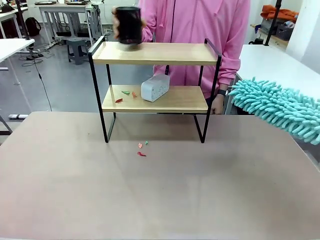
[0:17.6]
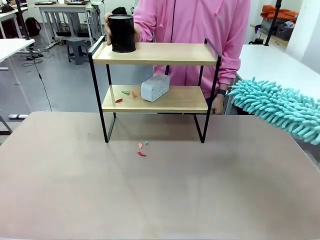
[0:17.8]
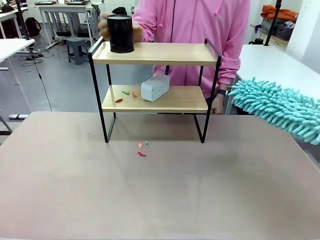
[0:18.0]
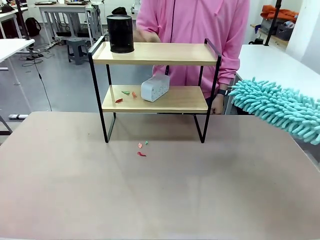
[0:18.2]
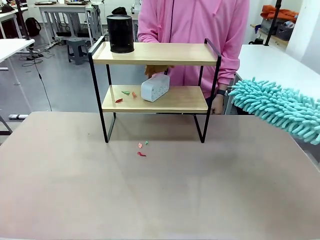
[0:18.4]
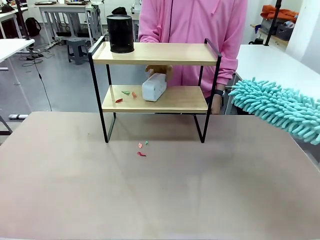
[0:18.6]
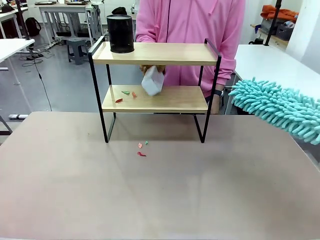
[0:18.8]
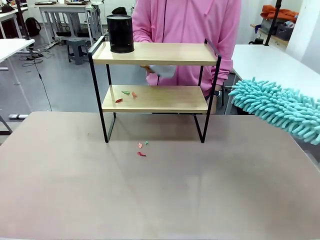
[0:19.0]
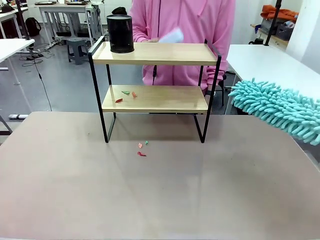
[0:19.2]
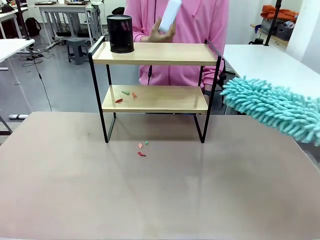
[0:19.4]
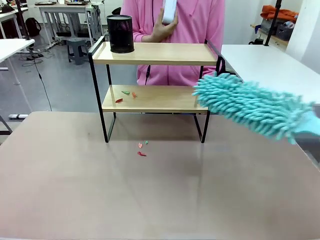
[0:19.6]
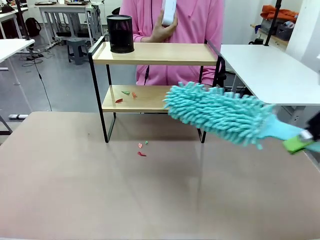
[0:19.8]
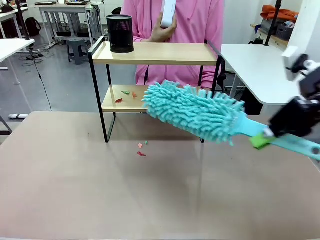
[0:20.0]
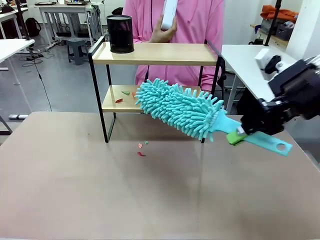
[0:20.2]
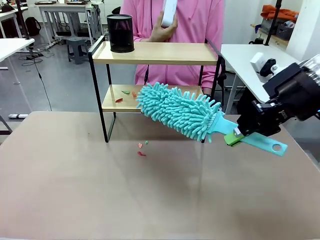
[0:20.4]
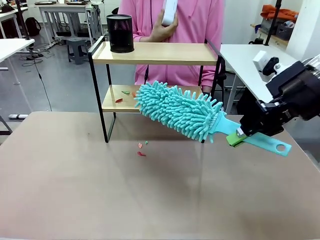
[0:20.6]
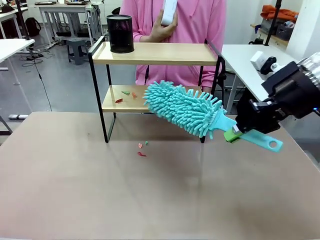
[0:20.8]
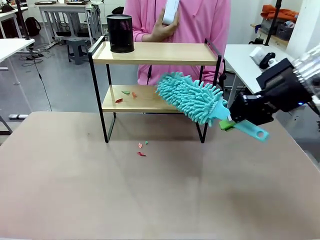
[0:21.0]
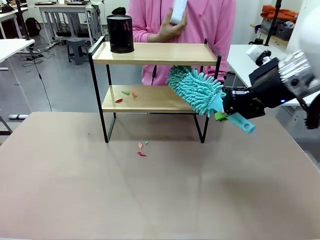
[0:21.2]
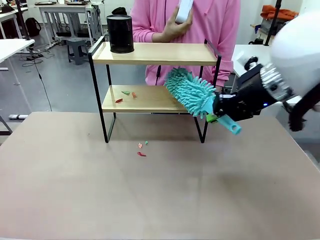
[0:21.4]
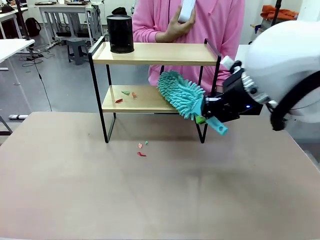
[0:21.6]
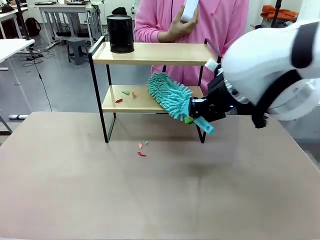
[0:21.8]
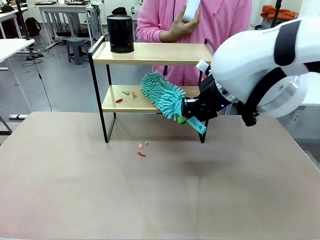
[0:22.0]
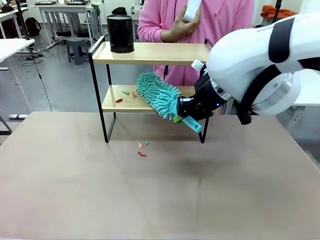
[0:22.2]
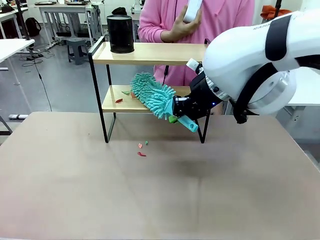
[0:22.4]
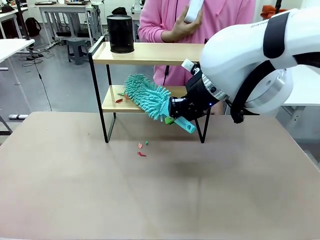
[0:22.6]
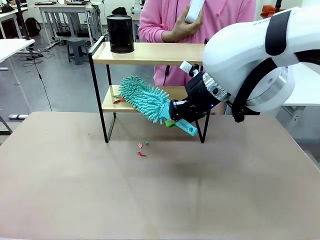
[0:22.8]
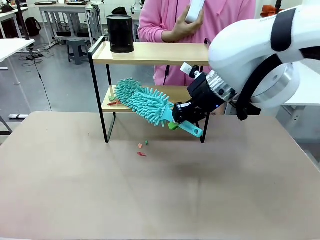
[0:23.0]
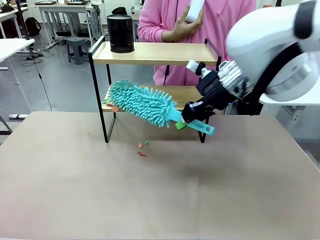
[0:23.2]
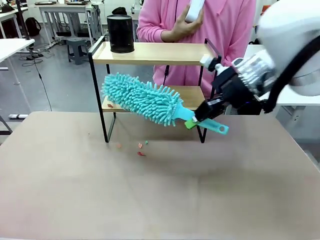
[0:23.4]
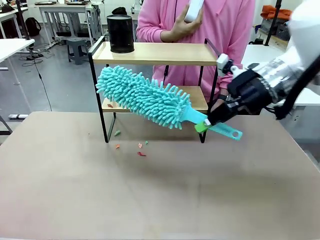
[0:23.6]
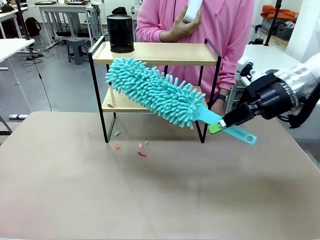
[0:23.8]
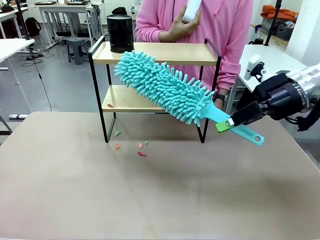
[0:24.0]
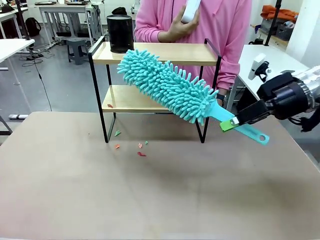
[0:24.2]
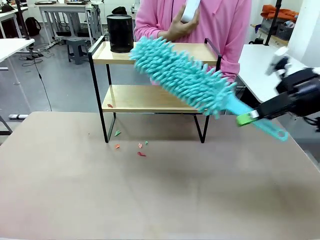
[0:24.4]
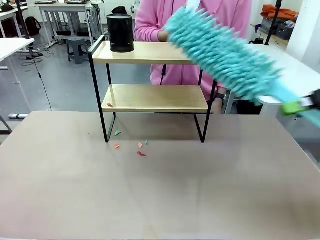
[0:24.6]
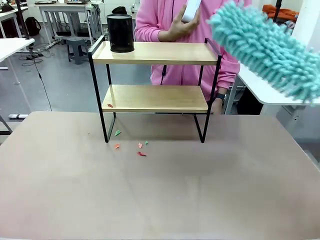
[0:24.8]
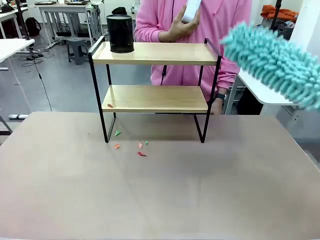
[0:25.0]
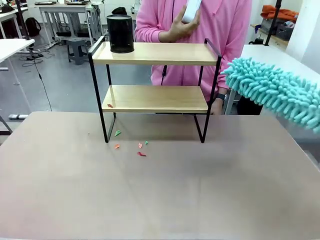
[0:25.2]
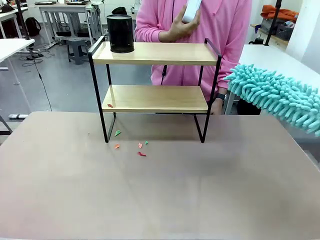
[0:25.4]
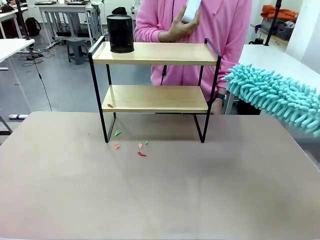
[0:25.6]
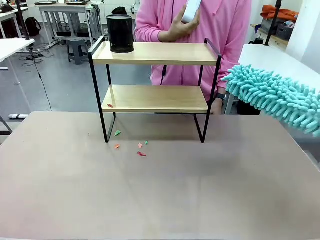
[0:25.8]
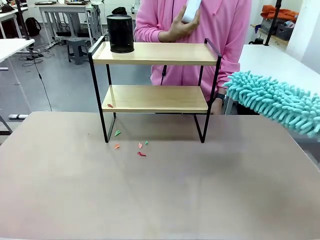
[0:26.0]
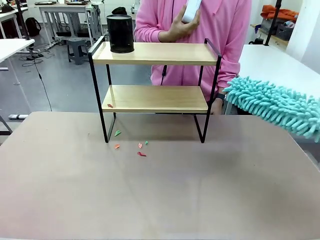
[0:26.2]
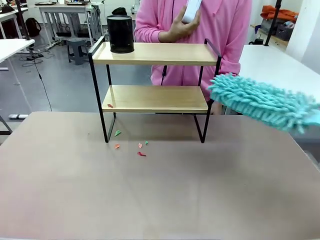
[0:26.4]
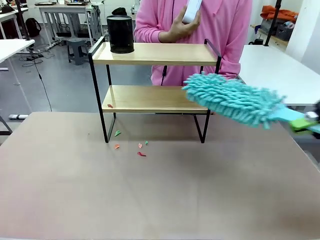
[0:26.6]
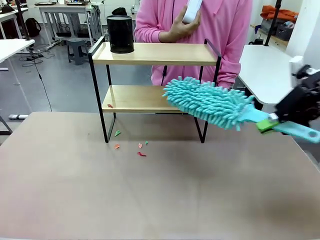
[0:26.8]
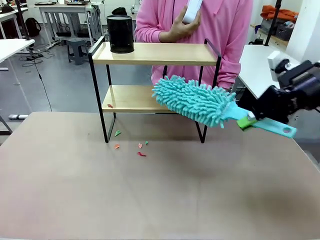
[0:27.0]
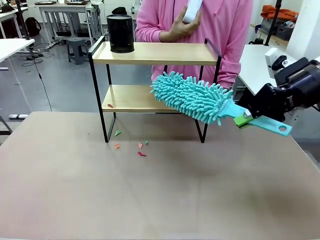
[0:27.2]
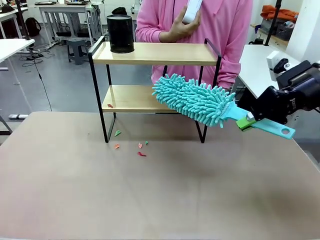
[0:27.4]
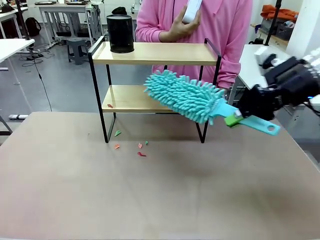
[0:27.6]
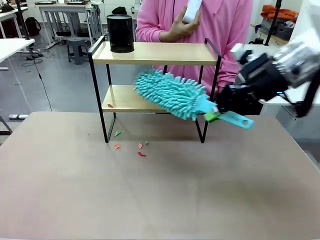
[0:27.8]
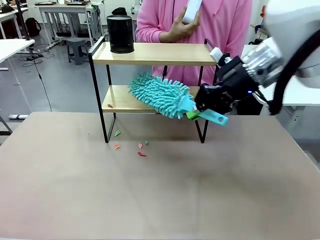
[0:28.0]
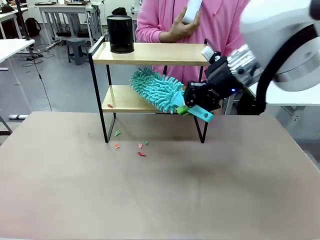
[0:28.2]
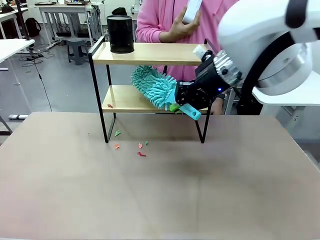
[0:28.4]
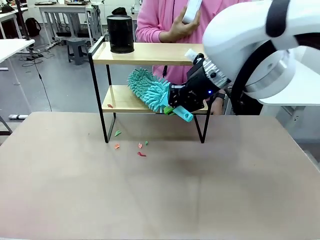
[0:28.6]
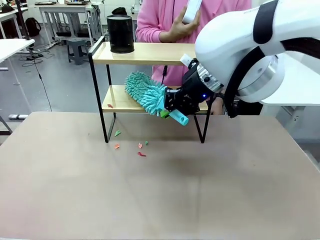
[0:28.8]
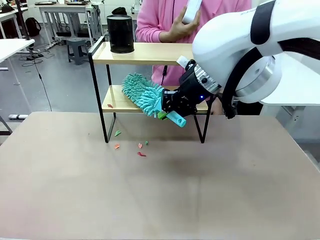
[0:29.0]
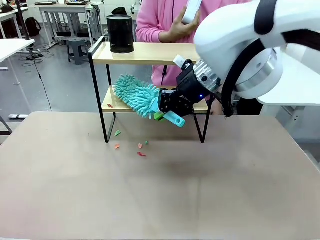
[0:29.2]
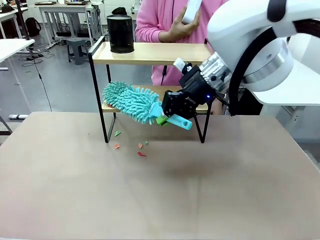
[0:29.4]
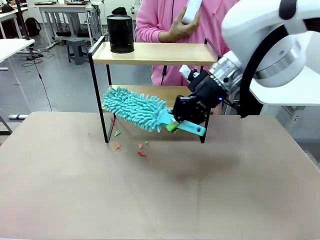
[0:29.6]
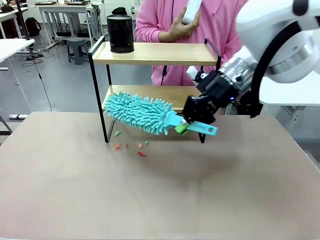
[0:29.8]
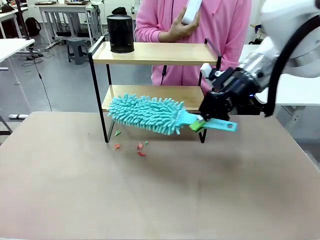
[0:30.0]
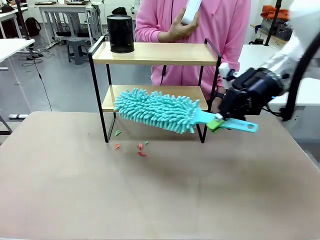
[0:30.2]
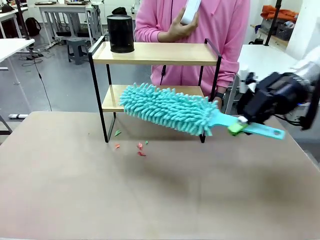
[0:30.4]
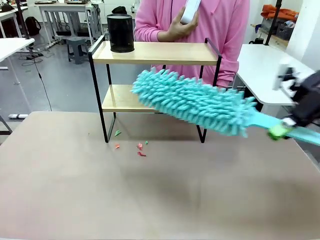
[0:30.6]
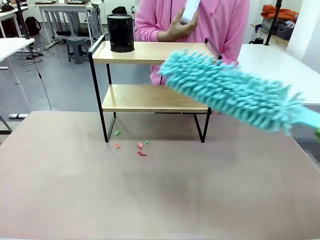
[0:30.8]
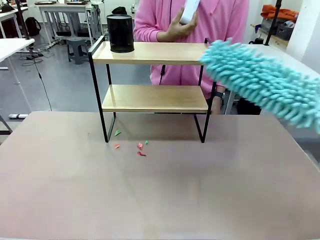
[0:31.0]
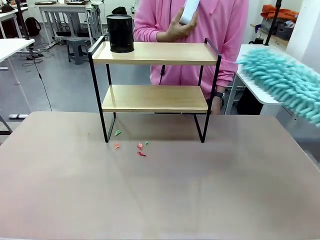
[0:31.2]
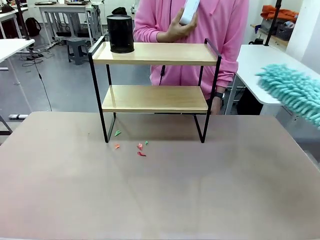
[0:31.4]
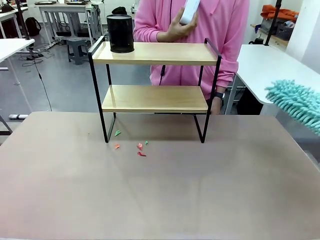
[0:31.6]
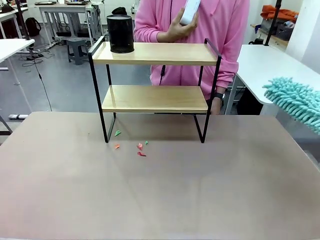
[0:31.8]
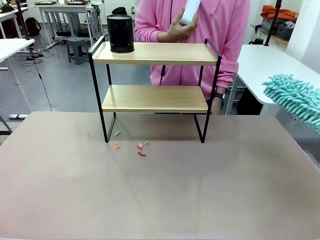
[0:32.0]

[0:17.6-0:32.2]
Task: Clean the shelf.
Robot: Clean the remaining tier of the Shelf with the Duster once objects are removed.
